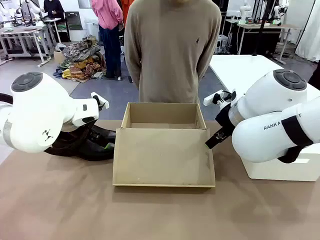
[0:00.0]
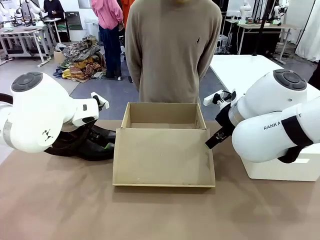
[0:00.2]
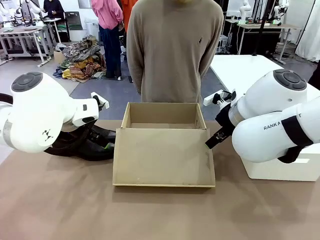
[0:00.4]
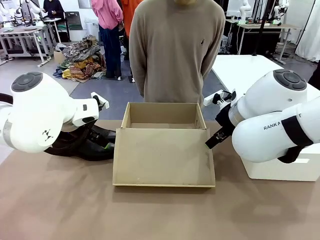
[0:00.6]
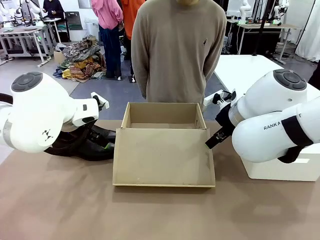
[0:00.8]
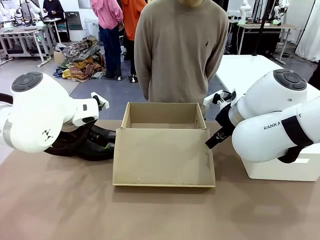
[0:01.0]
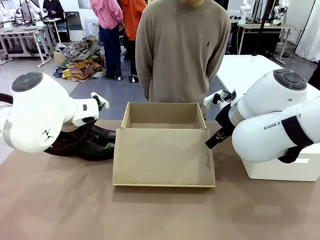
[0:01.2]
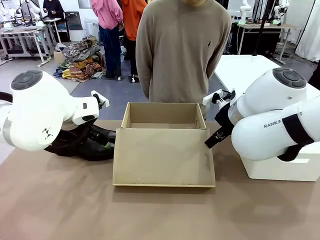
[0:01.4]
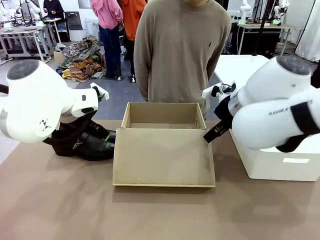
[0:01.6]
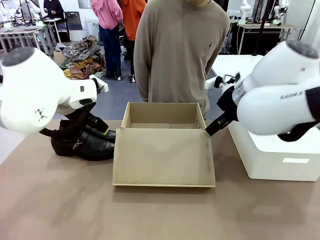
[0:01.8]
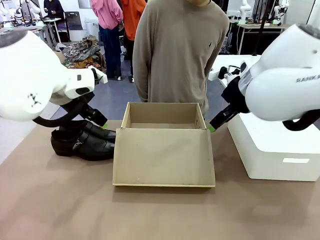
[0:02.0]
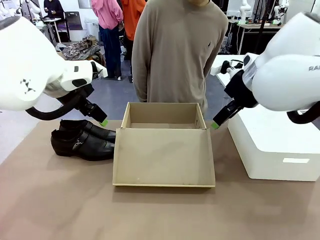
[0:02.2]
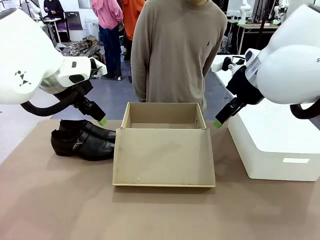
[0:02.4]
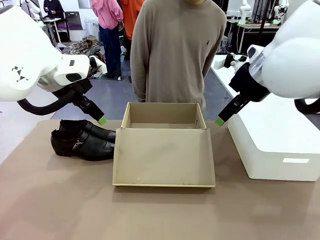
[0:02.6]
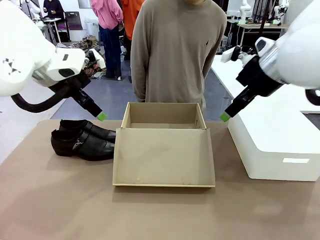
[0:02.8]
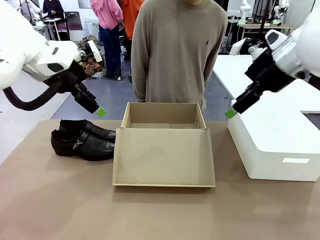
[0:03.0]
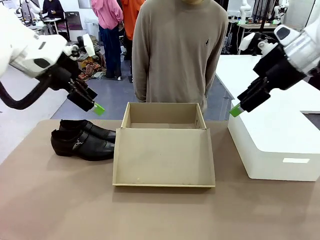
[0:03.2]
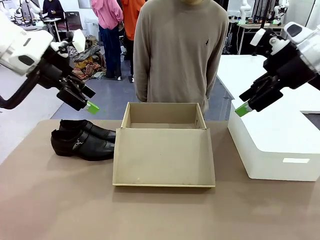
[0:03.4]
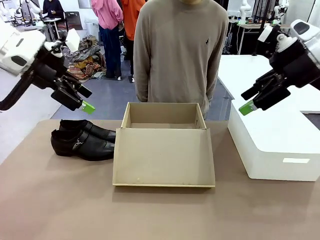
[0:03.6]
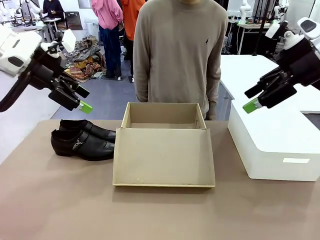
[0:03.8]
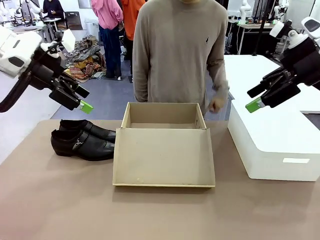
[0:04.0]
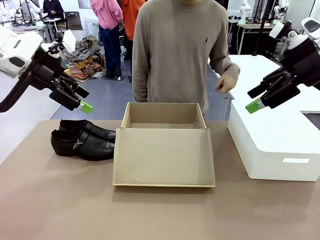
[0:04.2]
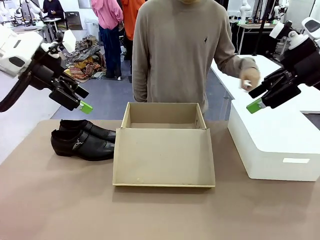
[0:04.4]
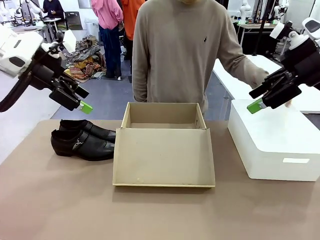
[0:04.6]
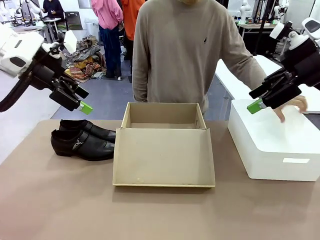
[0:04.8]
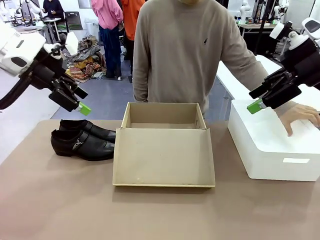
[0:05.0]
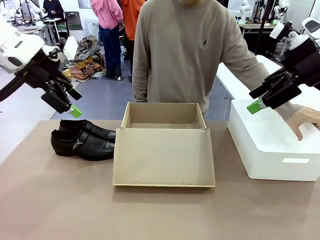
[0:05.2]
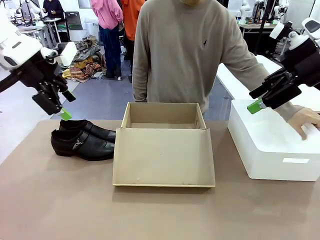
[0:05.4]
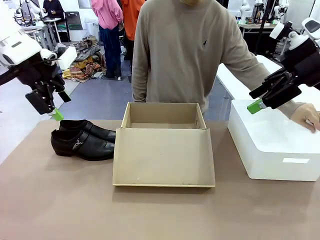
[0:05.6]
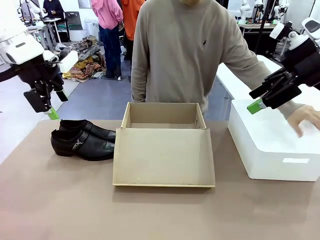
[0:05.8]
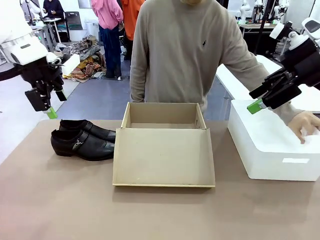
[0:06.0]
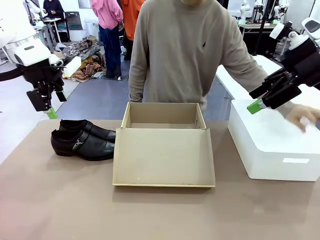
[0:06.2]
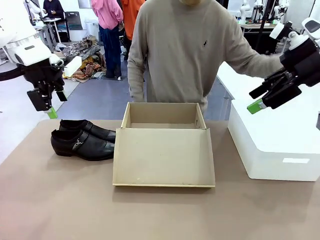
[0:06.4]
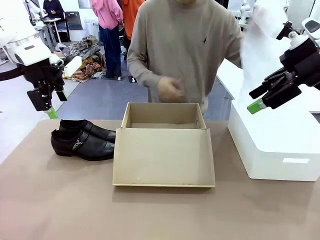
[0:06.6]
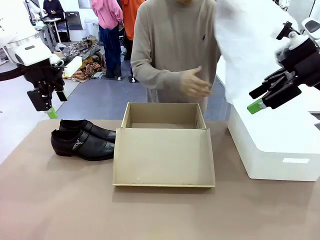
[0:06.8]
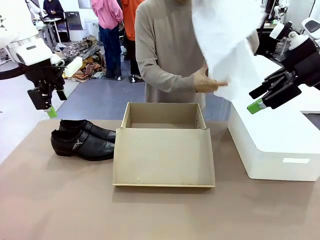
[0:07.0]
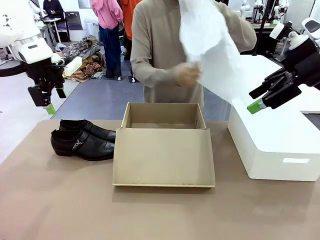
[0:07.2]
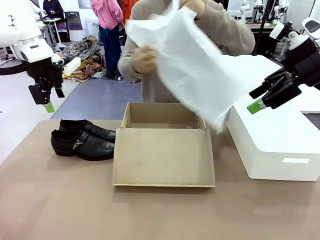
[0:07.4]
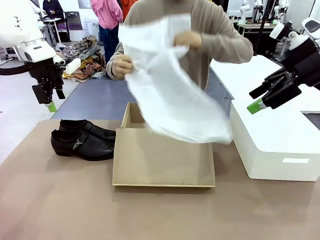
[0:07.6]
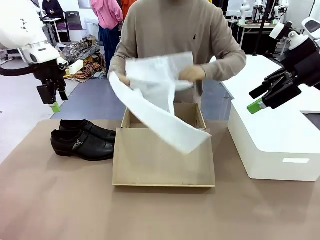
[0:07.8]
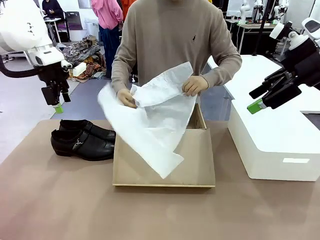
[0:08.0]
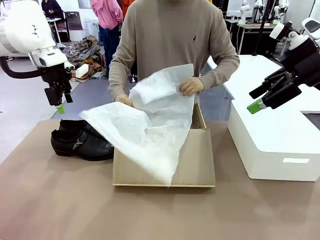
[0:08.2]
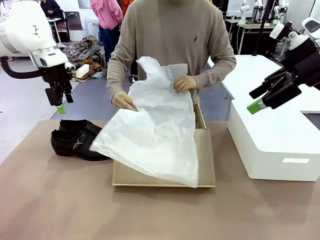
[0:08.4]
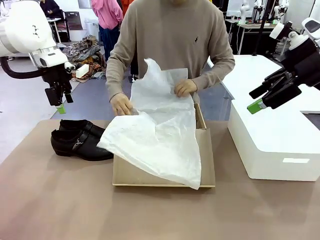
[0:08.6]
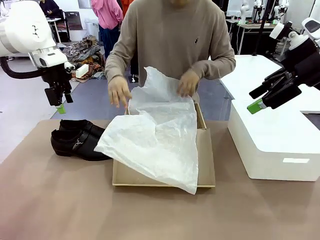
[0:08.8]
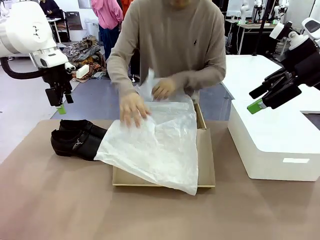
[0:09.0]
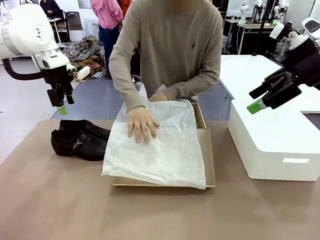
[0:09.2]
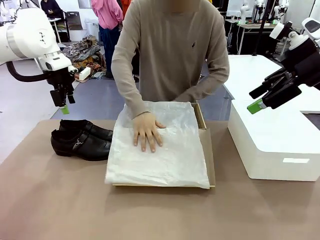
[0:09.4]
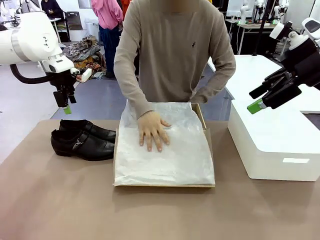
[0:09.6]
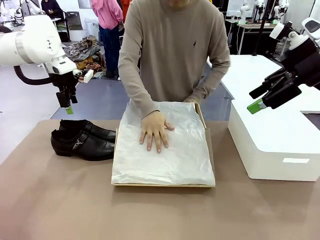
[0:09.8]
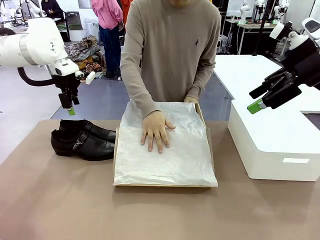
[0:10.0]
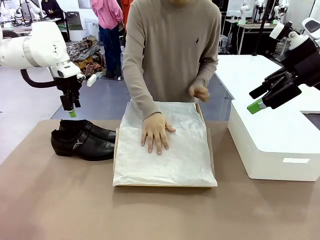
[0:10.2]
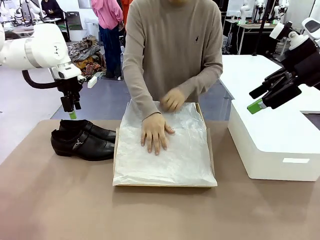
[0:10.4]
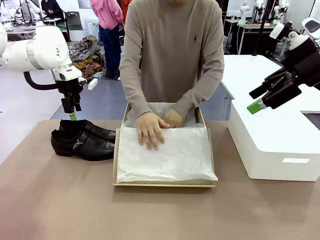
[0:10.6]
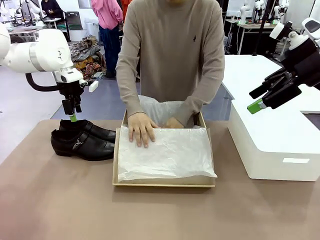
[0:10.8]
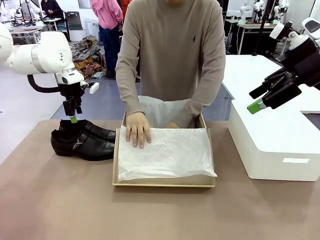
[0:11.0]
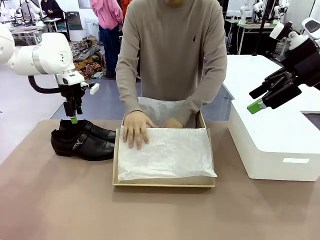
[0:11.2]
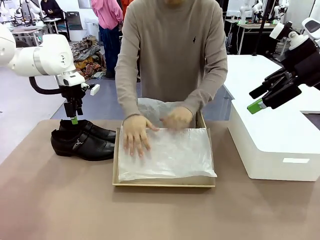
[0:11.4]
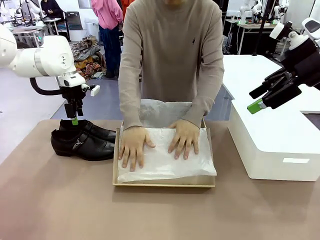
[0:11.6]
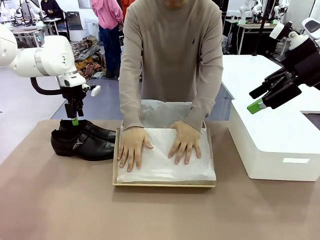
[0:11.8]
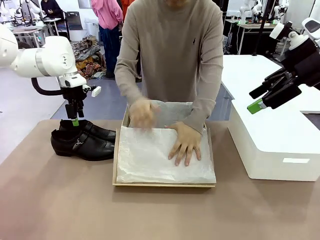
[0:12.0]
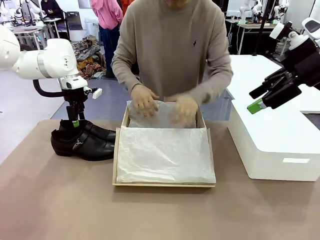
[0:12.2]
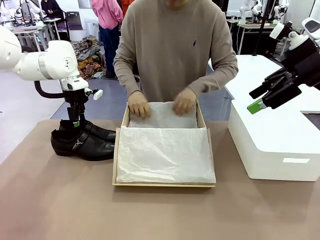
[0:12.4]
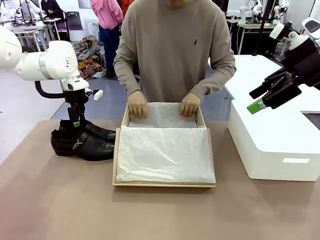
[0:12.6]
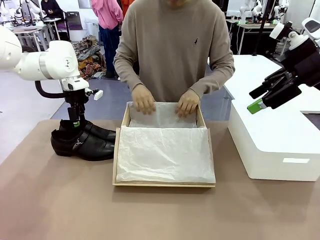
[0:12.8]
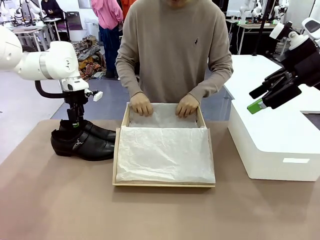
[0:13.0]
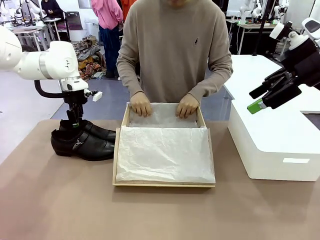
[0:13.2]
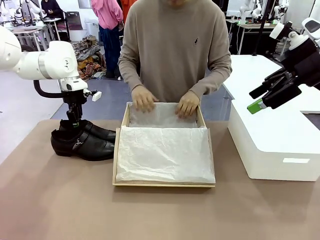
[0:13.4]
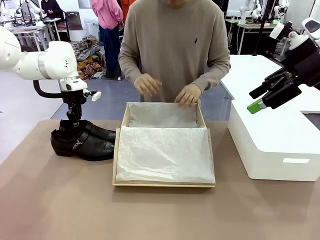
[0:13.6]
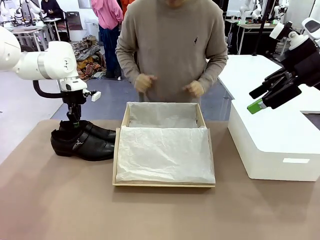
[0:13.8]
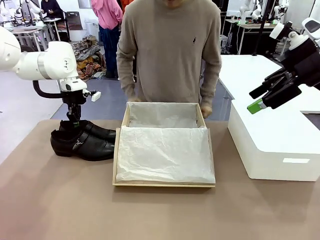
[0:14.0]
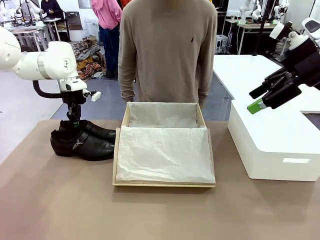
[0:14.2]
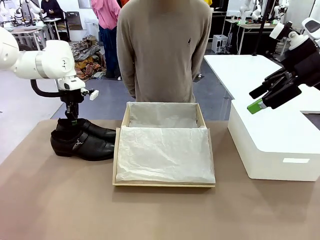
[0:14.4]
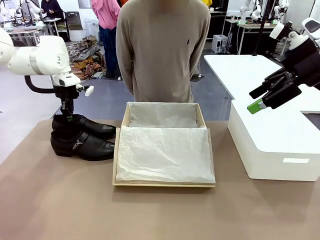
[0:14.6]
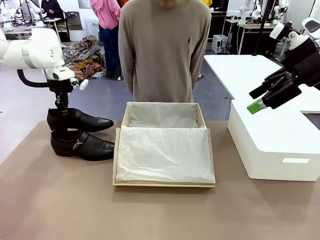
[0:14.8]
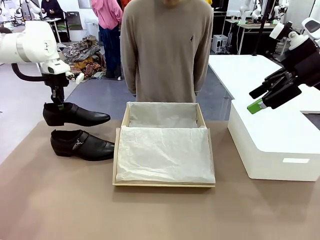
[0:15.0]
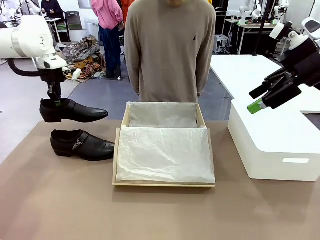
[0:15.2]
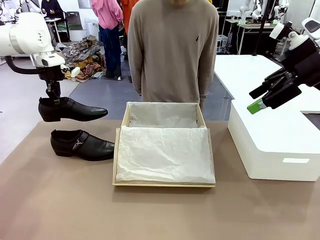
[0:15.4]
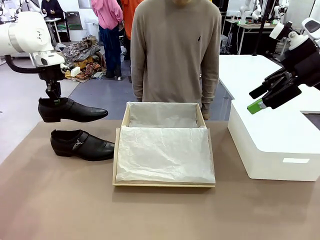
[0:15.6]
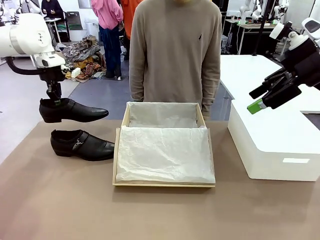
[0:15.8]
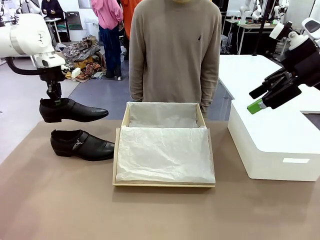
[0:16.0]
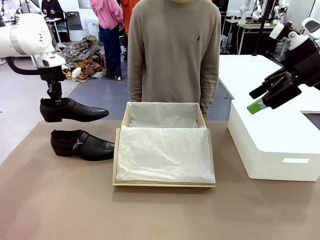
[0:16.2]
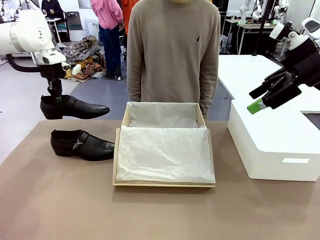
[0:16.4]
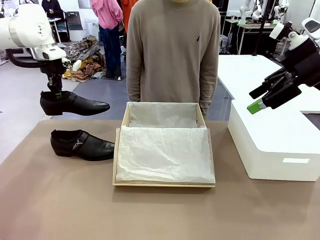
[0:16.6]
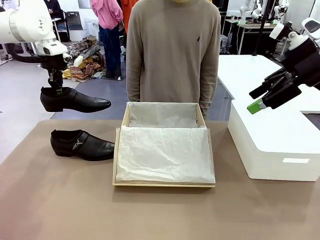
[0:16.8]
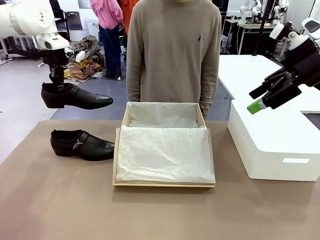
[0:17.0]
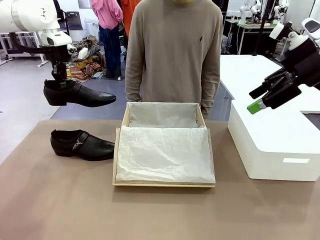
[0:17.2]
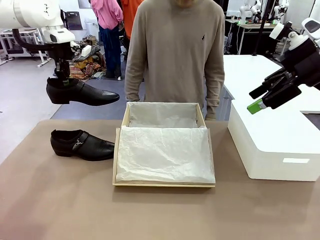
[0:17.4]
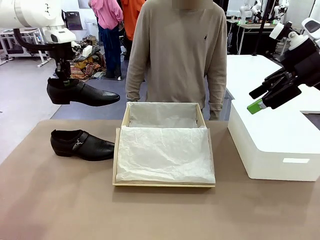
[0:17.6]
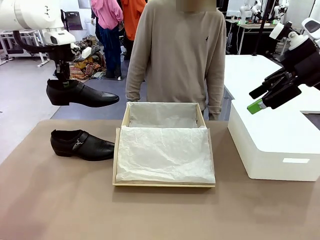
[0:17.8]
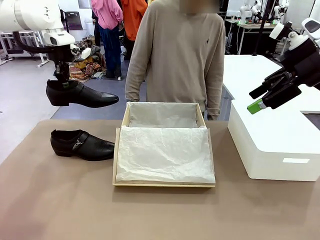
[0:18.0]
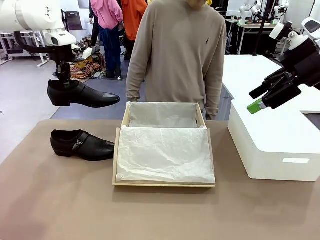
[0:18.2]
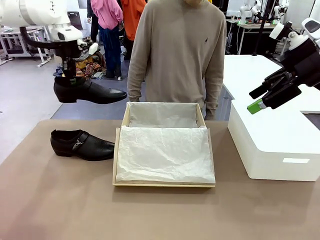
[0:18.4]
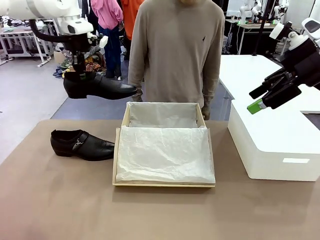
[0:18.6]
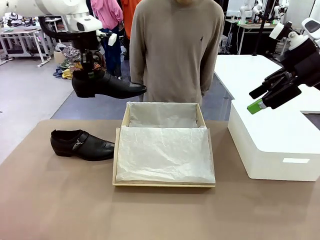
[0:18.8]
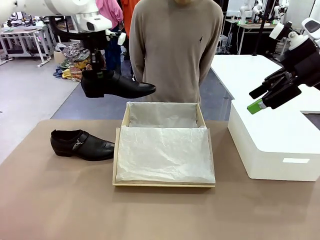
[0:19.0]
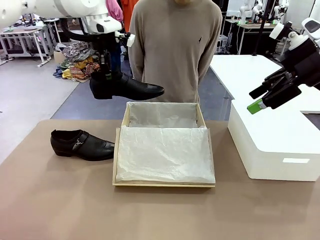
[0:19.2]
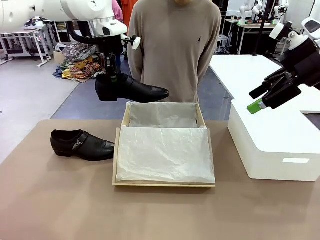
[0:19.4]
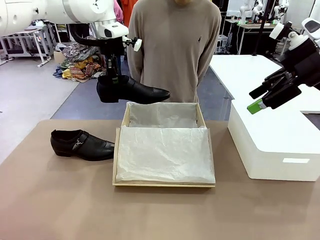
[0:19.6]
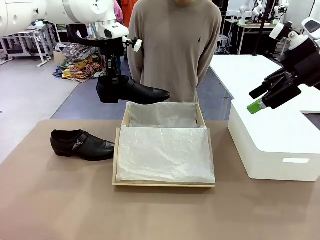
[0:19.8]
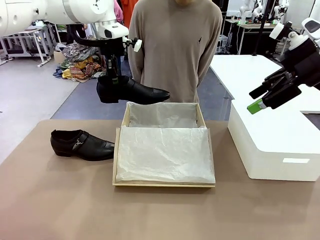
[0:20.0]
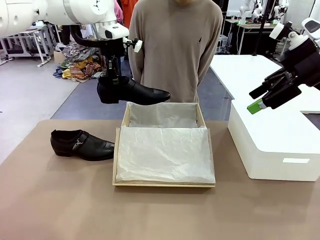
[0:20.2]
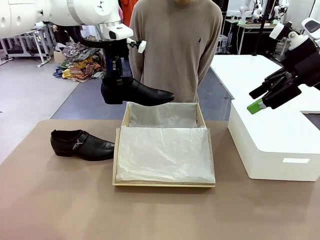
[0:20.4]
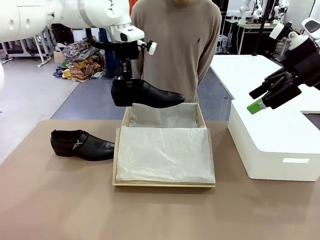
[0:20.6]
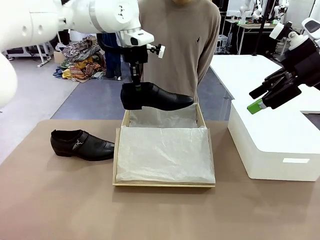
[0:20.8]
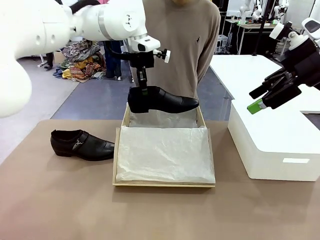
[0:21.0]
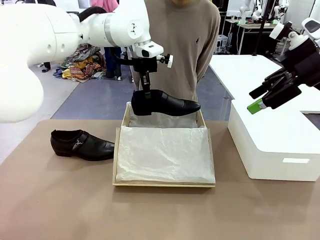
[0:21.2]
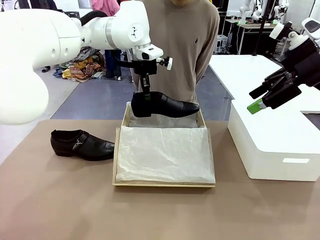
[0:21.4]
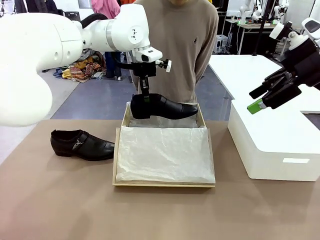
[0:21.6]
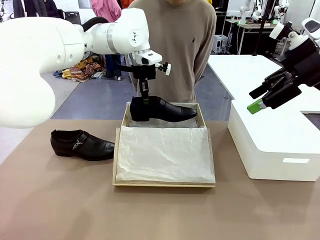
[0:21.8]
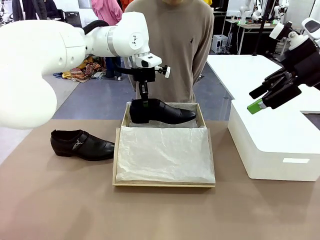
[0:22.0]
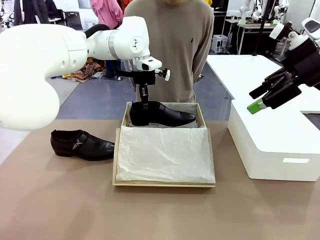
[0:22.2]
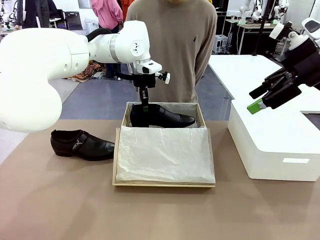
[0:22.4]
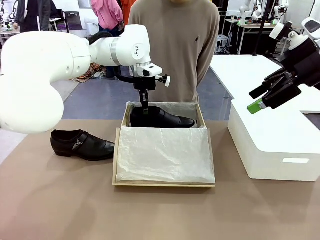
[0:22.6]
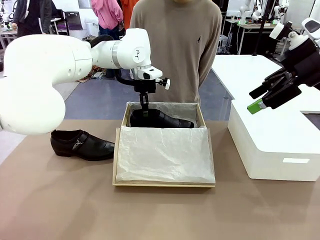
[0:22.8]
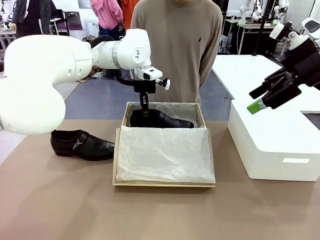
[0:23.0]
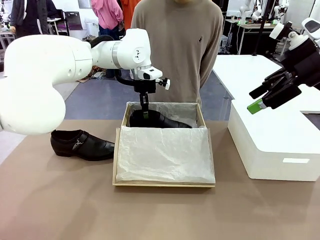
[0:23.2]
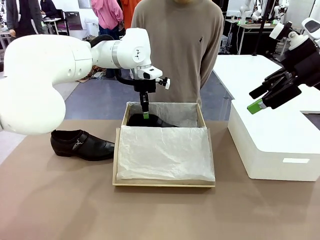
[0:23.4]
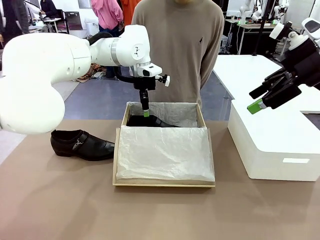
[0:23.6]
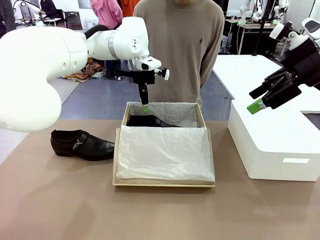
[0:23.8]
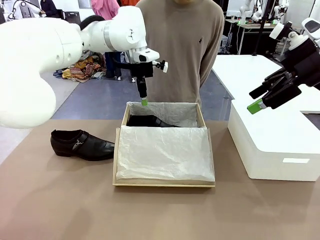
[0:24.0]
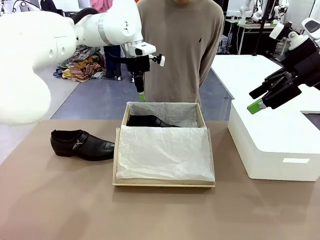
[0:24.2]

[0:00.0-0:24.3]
Task: Pack the shoes into the box.
Robot: Place one shoe of the Shoes into the Shoes Box.
Person: Spread Shoes Wrapping Paper and place inside the Shoes Box.
